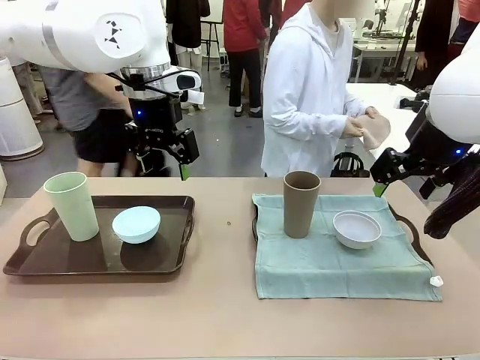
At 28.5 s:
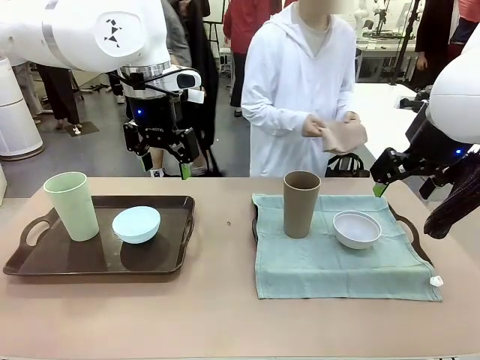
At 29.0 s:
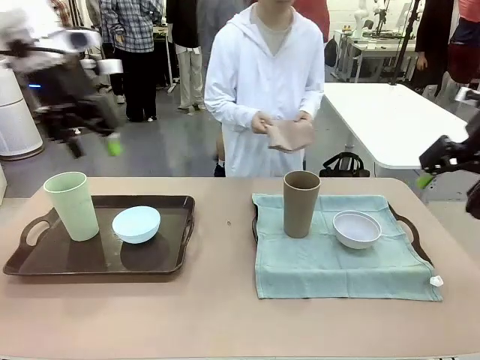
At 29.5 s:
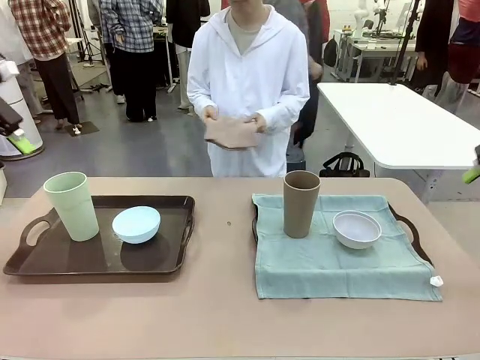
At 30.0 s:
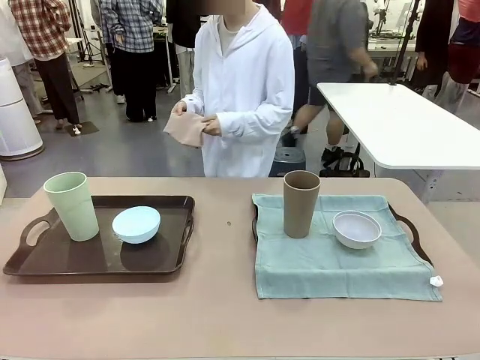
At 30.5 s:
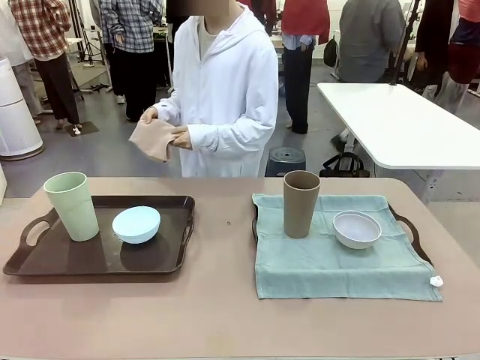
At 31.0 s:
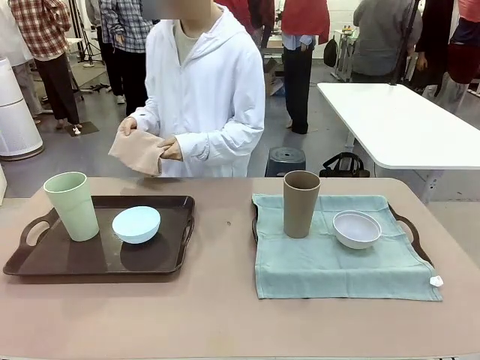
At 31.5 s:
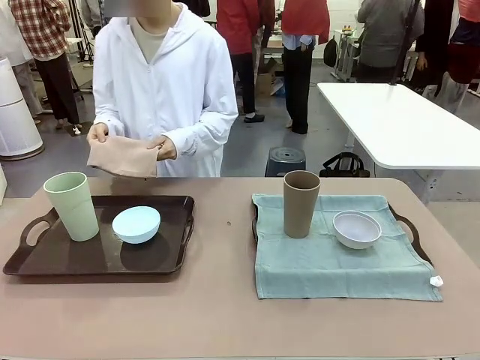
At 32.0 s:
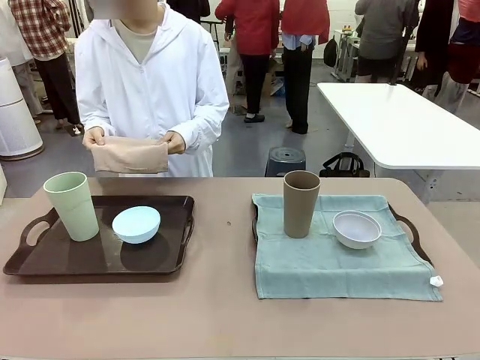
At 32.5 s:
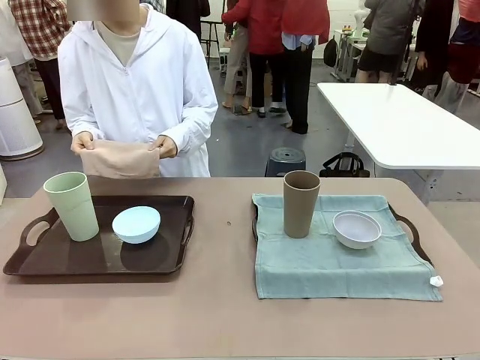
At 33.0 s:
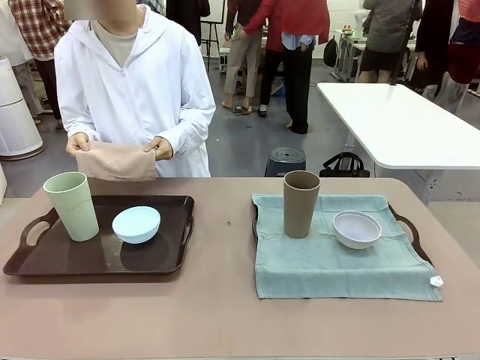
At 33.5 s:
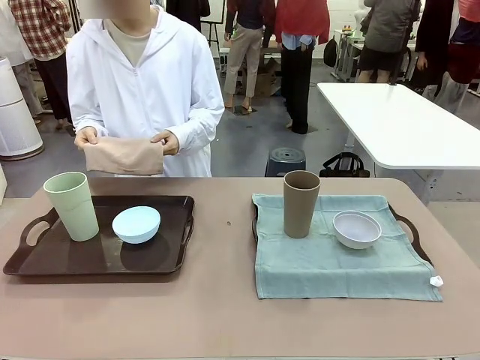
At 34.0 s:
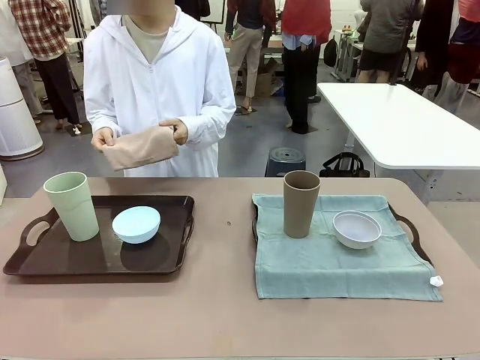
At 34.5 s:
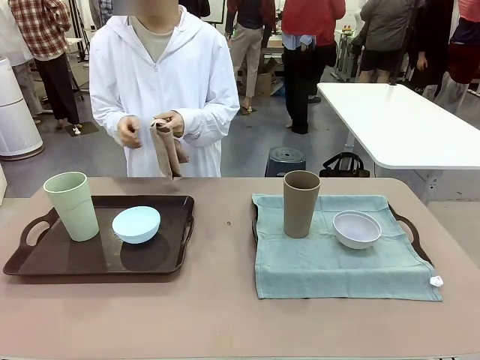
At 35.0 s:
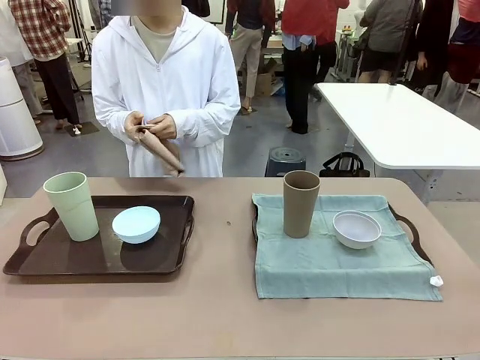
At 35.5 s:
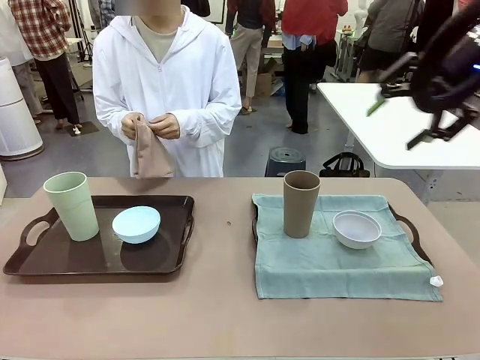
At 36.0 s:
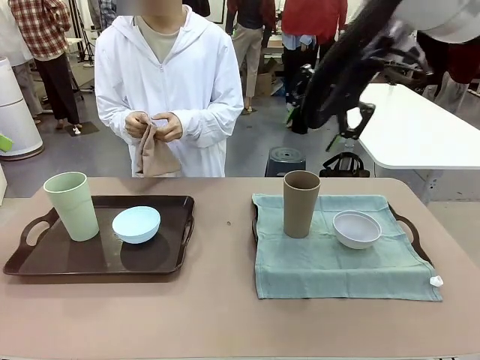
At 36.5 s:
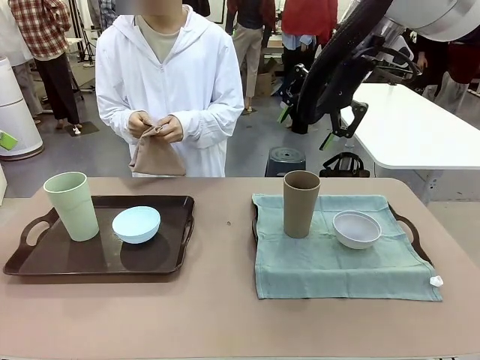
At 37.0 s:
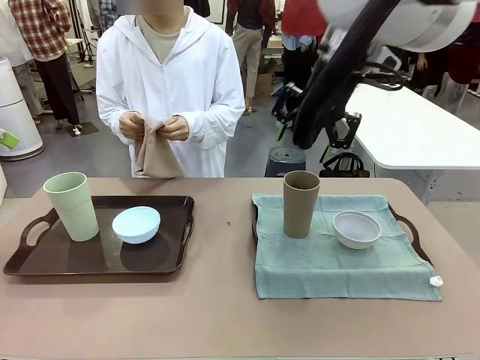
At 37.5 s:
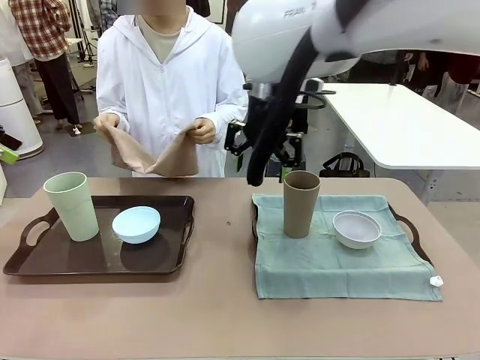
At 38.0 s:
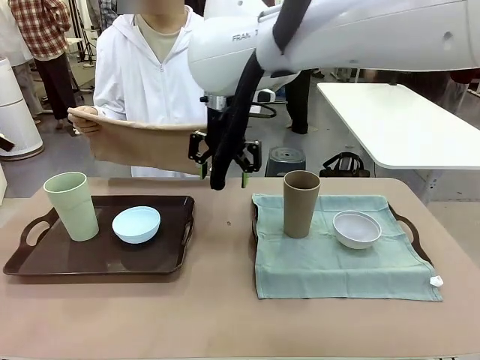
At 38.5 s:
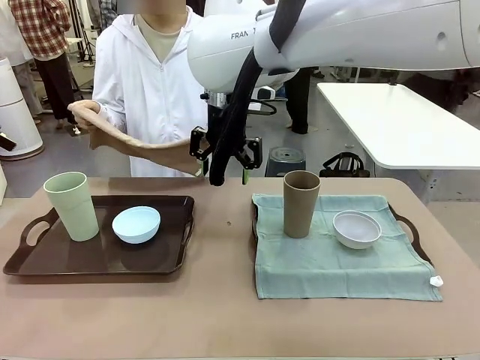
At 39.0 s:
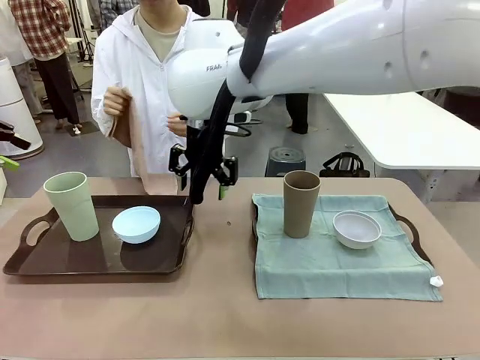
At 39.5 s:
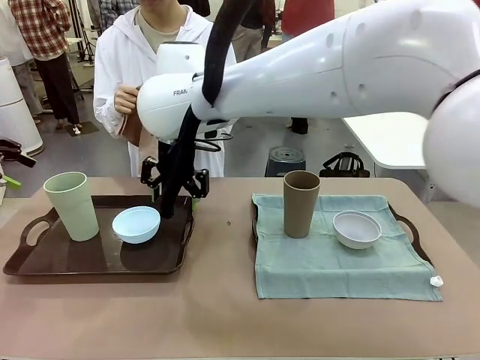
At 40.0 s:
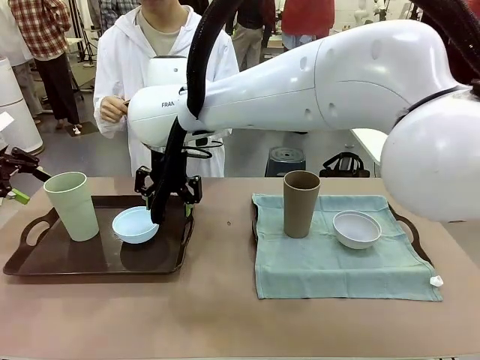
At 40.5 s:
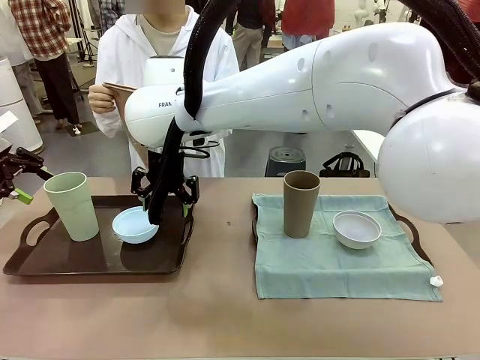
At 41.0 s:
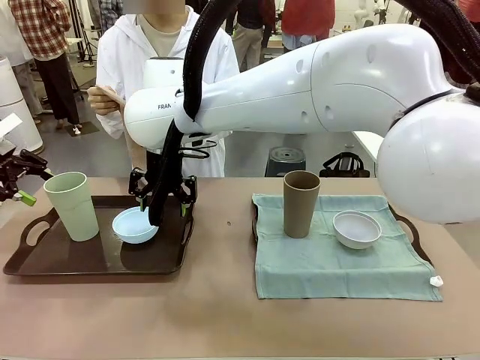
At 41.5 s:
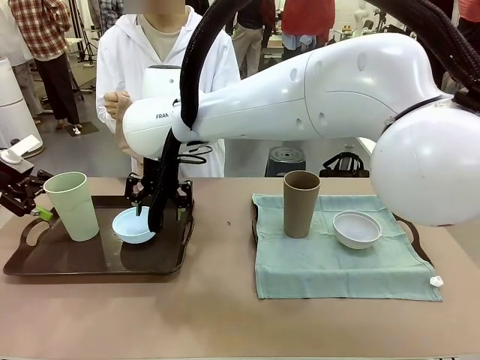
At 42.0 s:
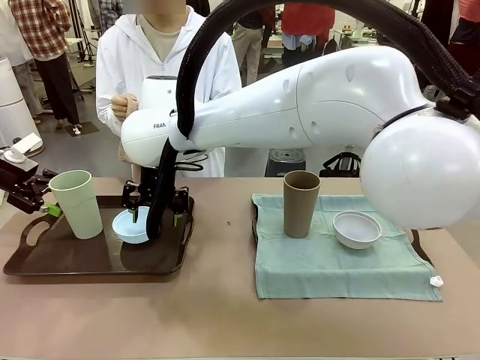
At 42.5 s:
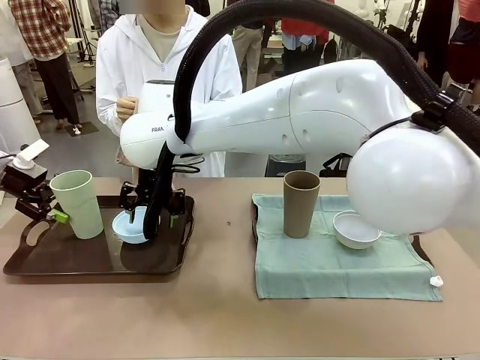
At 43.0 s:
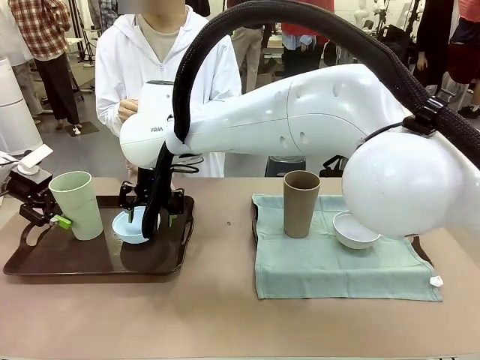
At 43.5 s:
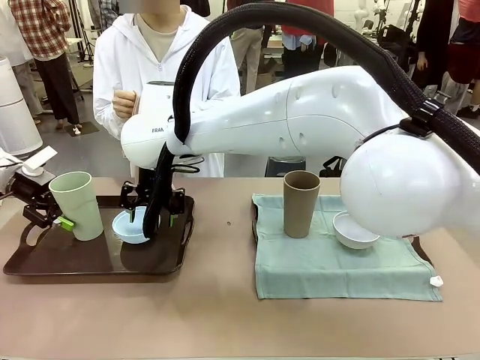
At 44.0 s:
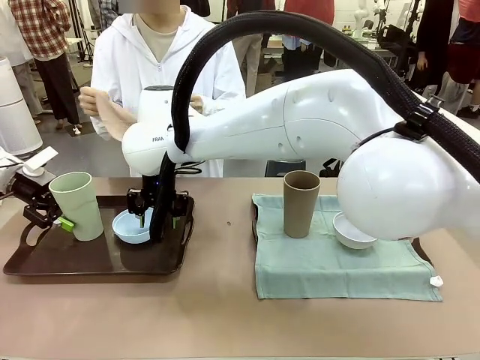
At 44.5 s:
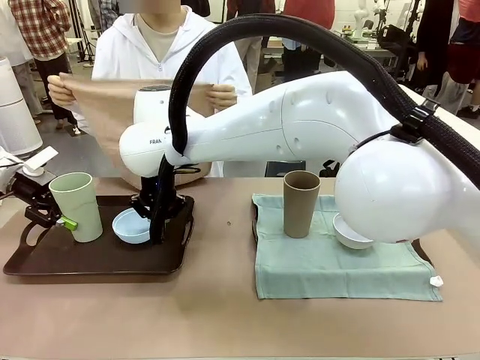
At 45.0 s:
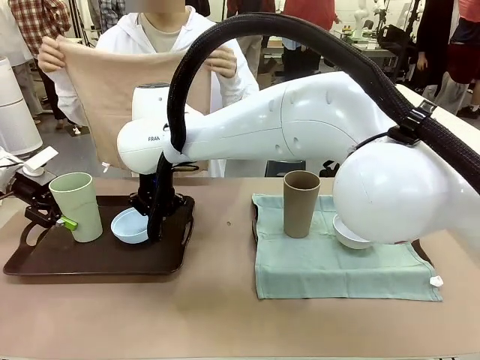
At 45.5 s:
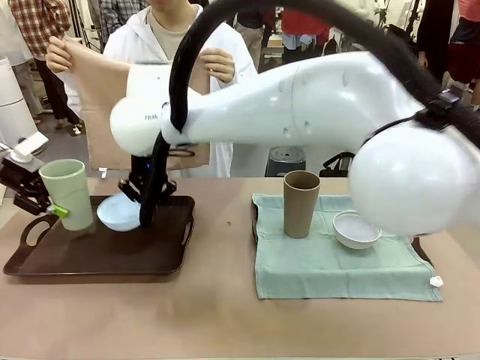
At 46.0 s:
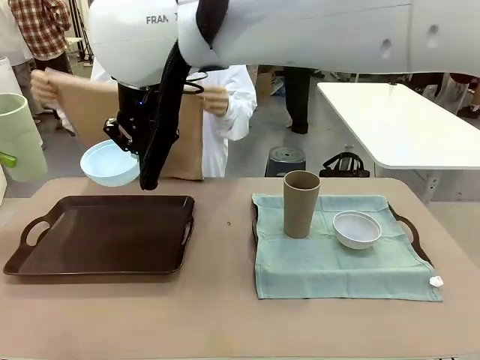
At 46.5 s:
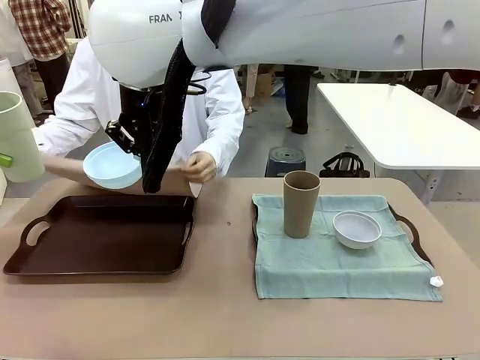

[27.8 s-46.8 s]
Robot: Pick up the Picnic Bowl and Reusable plastic cup from the Handle tray in front of the human's position and hold them in the air.
